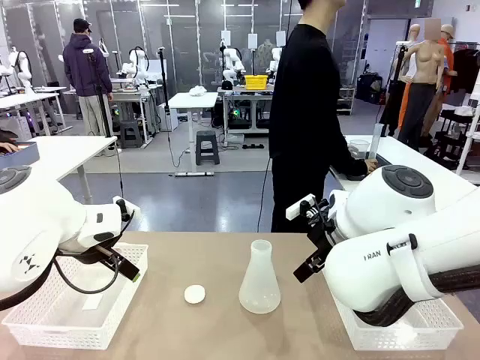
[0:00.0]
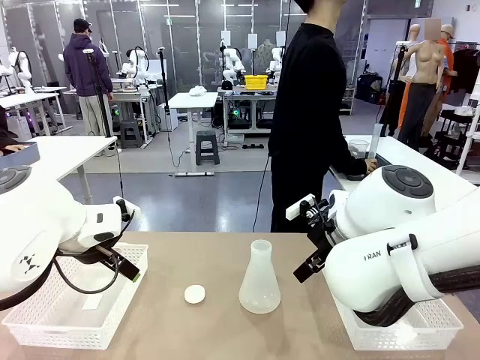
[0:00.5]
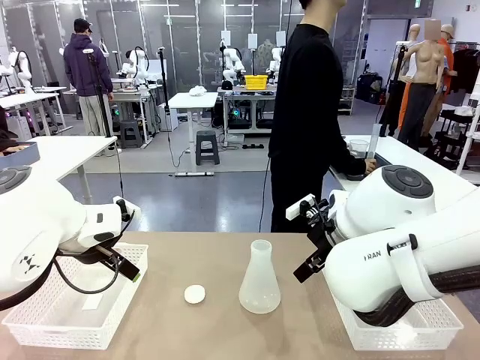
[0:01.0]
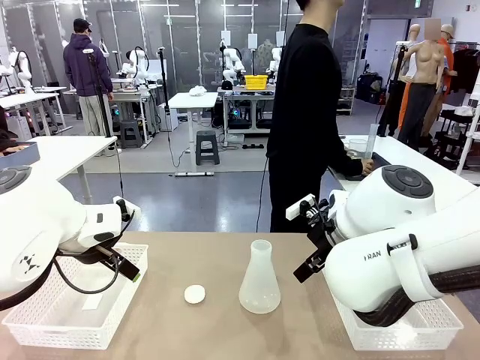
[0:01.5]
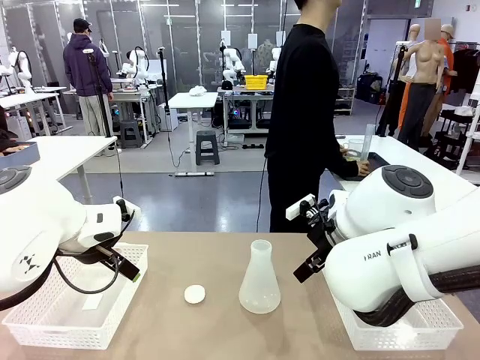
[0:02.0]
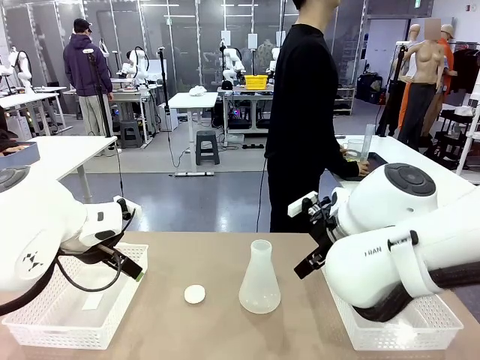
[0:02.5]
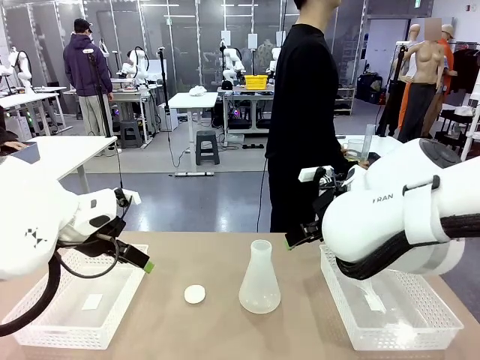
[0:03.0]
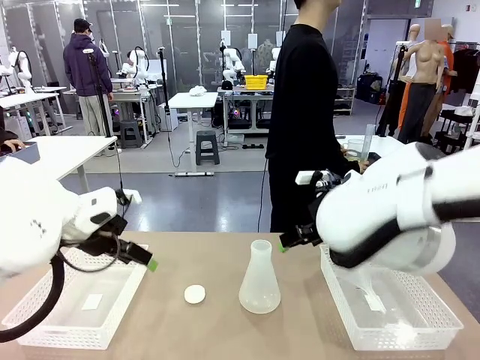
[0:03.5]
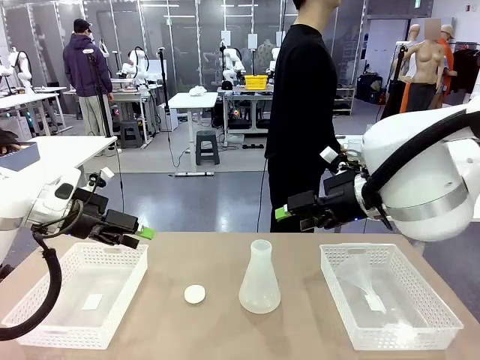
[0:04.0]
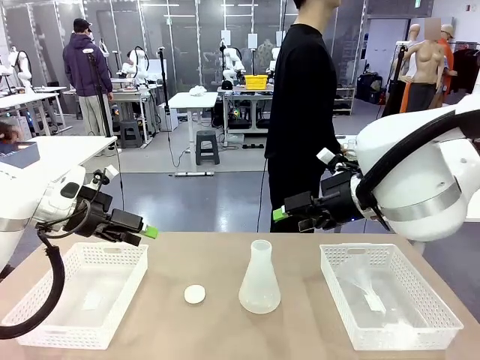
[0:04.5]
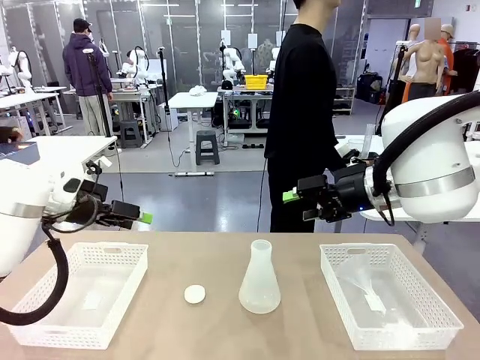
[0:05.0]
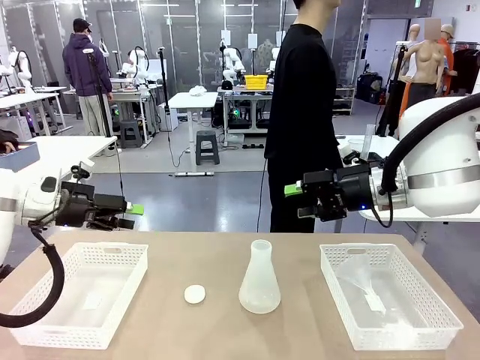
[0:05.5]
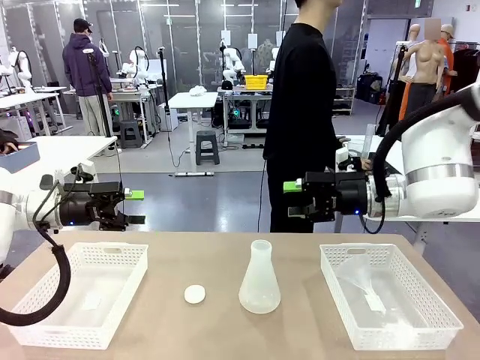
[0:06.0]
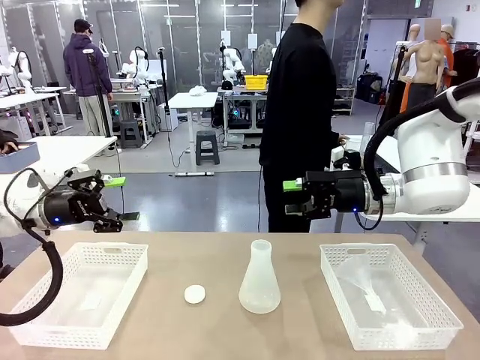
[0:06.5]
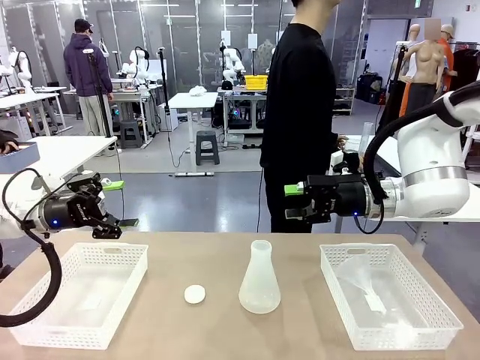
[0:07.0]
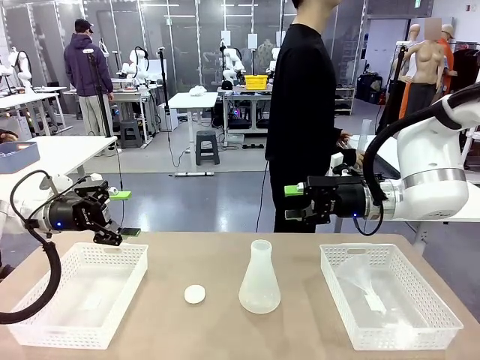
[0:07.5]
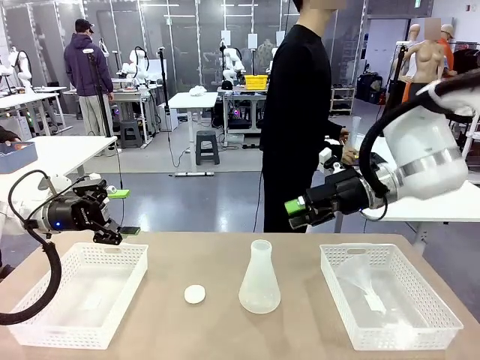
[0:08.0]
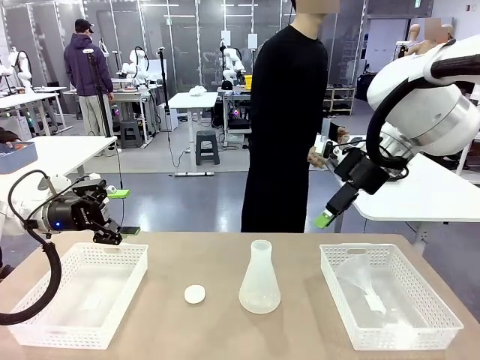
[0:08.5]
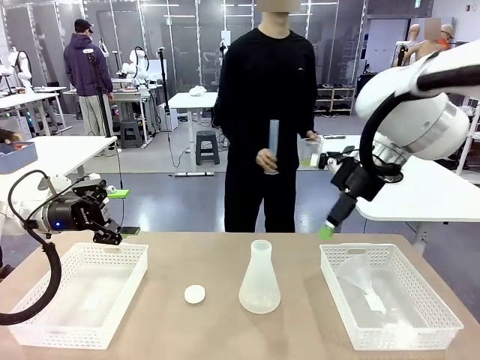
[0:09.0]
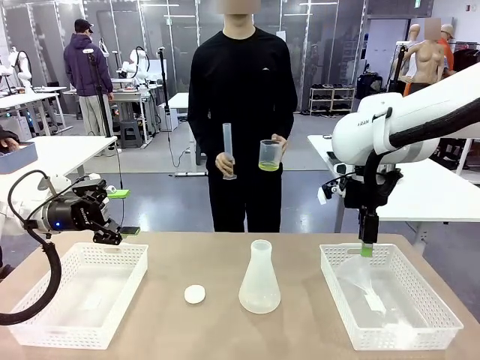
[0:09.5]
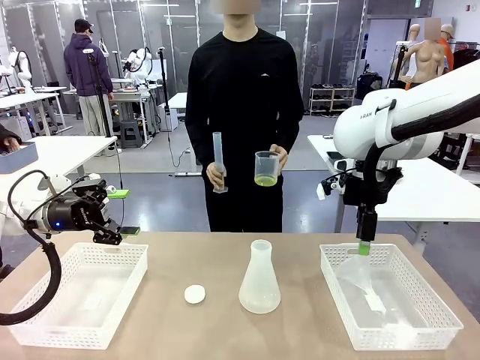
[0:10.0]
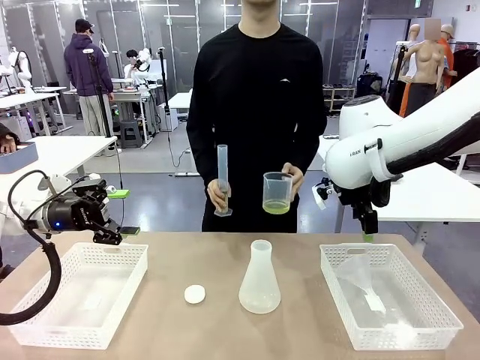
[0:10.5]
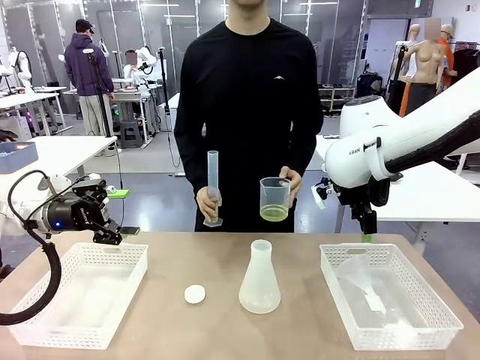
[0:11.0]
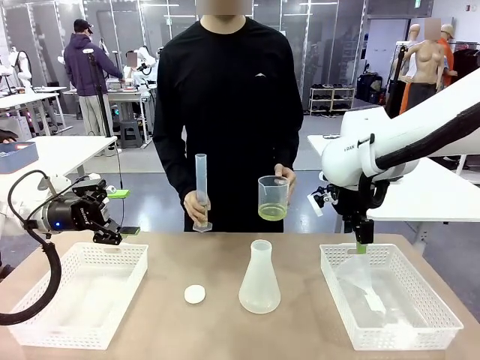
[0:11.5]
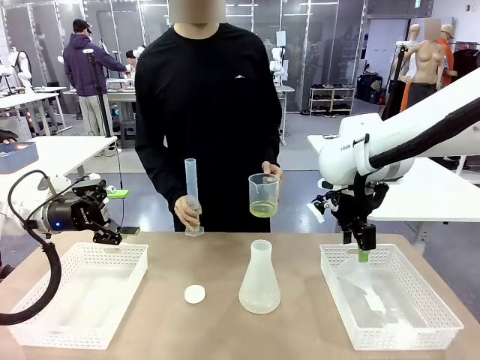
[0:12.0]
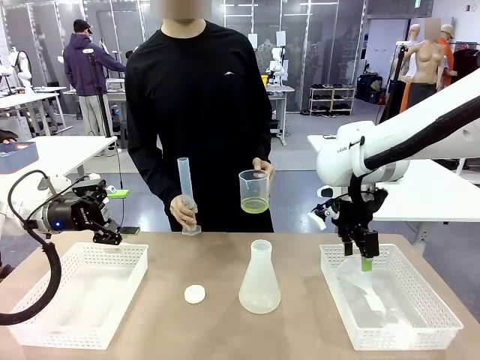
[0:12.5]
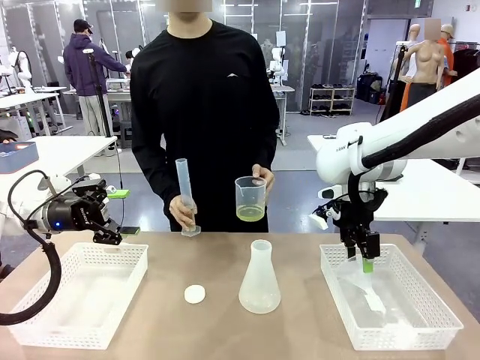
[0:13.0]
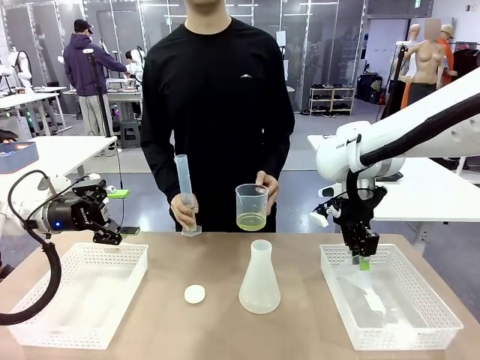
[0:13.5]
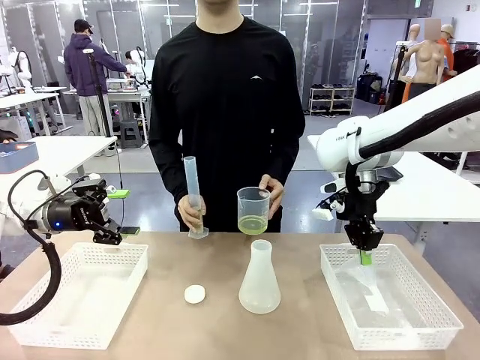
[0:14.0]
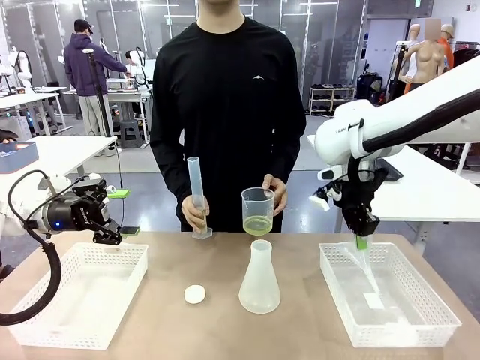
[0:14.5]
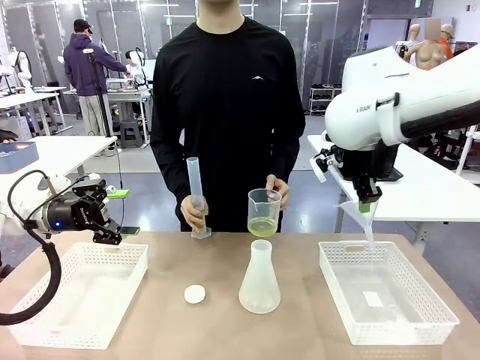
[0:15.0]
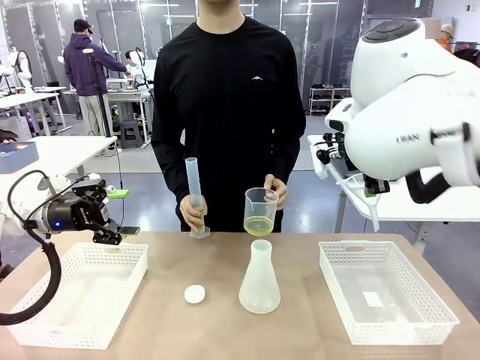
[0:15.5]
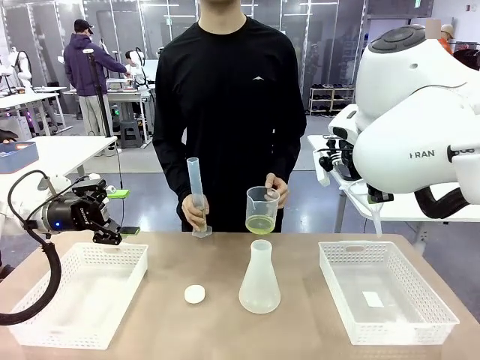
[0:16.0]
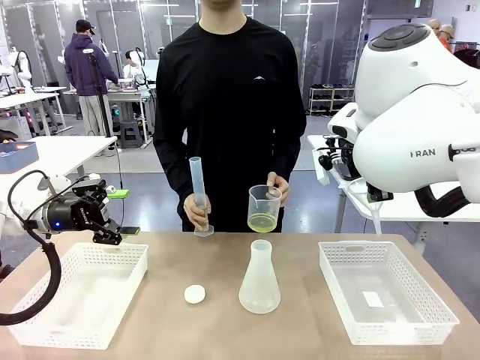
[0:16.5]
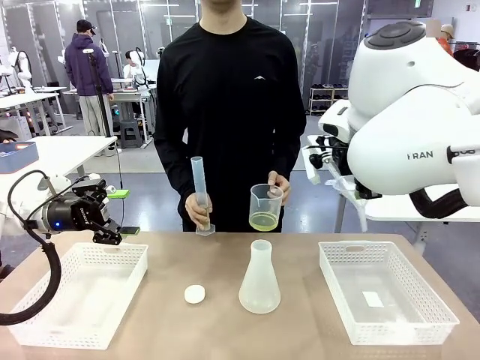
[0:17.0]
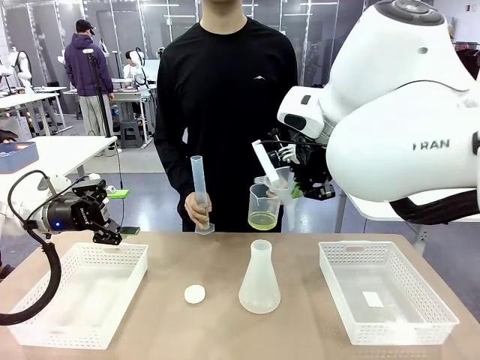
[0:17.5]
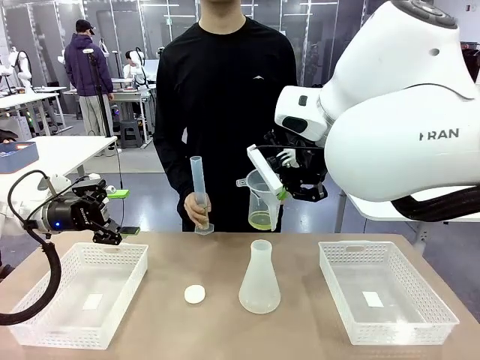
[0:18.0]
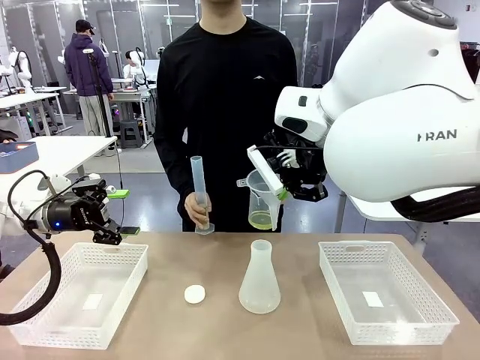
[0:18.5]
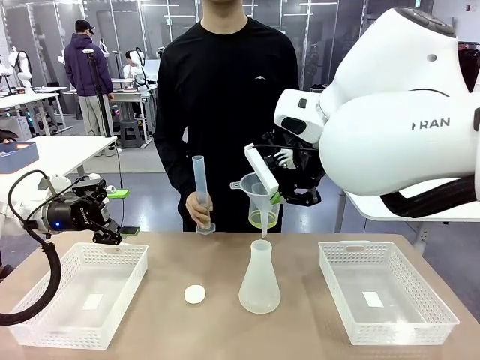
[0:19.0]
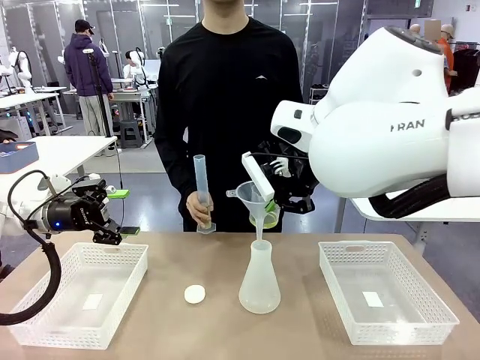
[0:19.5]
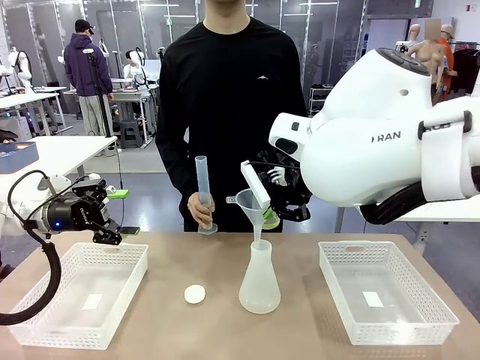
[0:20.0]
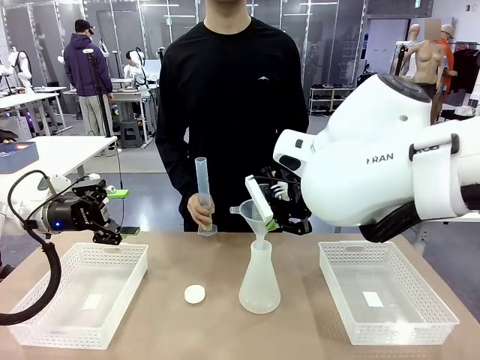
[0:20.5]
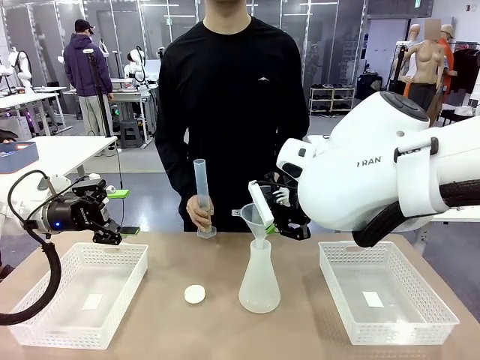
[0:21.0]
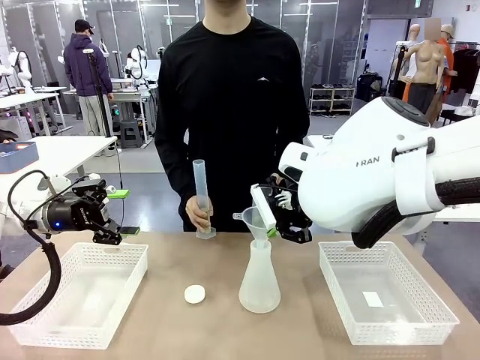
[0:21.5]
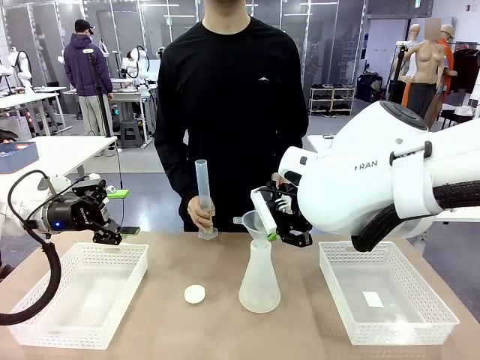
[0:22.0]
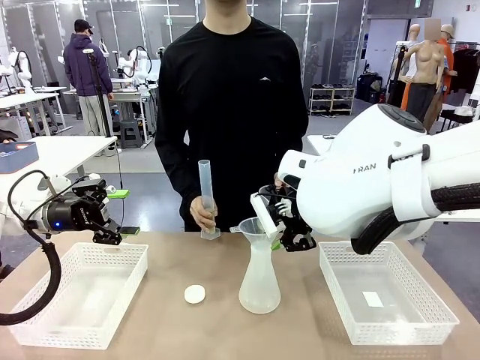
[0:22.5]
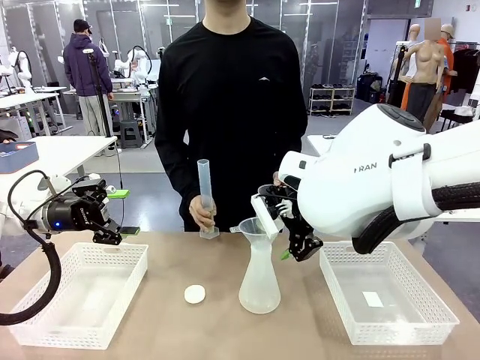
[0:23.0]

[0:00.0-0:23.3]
Task: Prepare the solutions needed for the experiment.
Robot: Pick up the Plastic Funnel and insert it into the Big flask.
Person: Pick up the beaker and the cylinder and move to the middle of the robot table. Pour the solution from the beaker and the cylinder into the flask.
